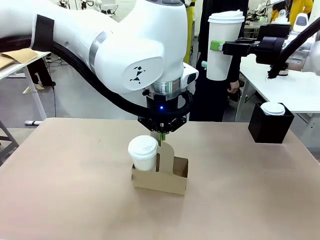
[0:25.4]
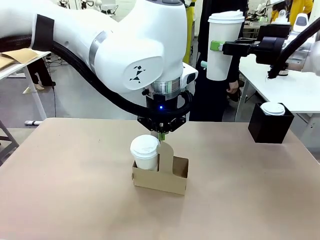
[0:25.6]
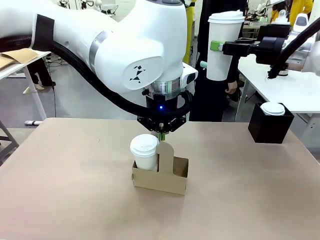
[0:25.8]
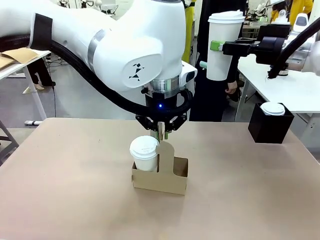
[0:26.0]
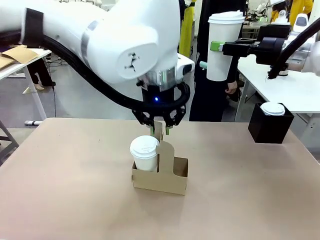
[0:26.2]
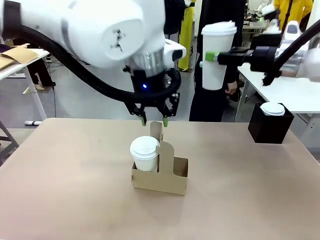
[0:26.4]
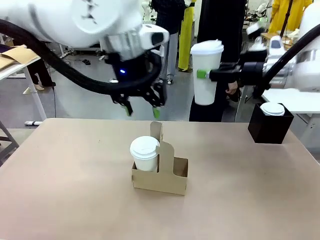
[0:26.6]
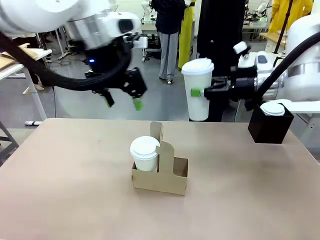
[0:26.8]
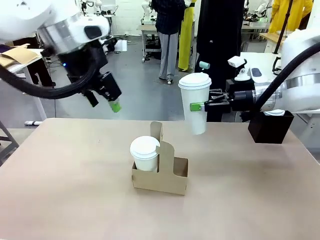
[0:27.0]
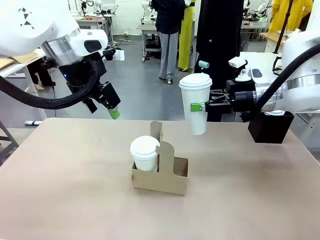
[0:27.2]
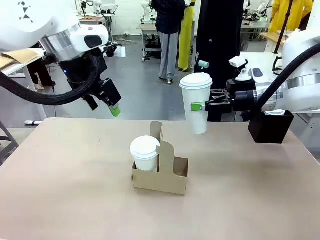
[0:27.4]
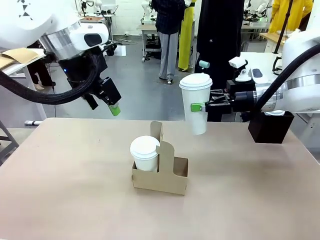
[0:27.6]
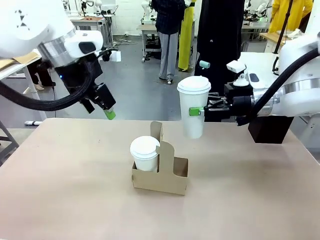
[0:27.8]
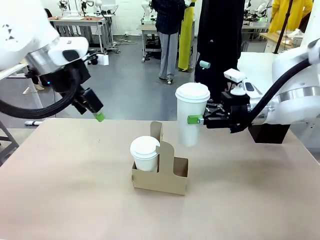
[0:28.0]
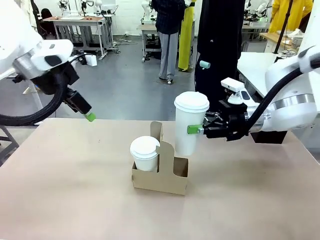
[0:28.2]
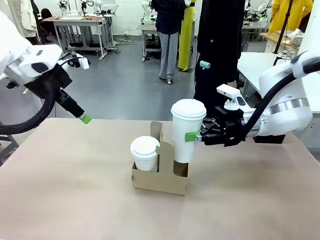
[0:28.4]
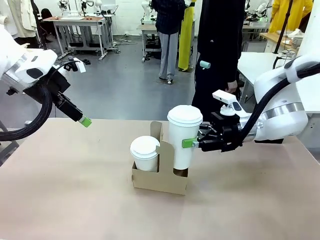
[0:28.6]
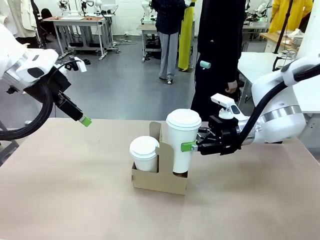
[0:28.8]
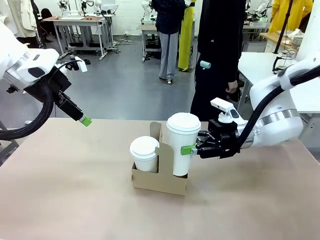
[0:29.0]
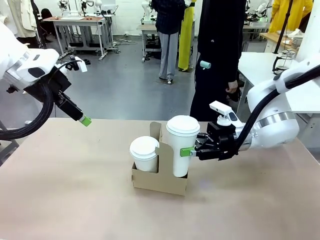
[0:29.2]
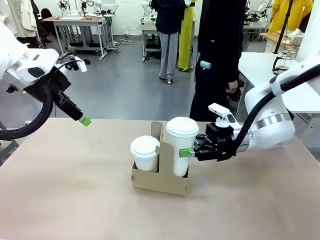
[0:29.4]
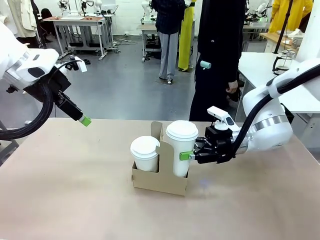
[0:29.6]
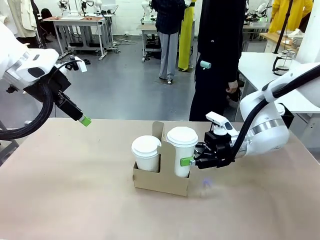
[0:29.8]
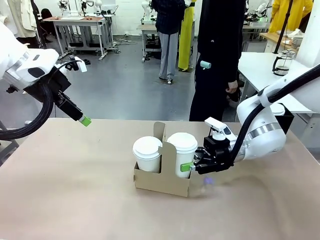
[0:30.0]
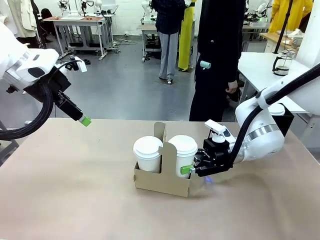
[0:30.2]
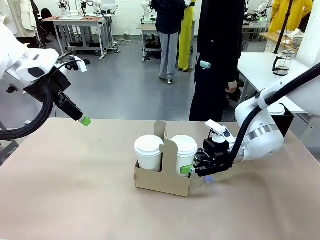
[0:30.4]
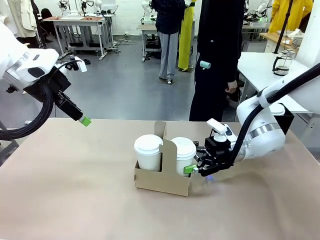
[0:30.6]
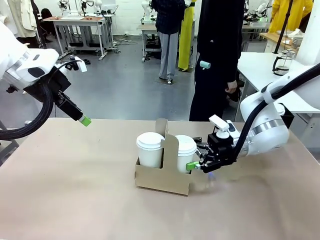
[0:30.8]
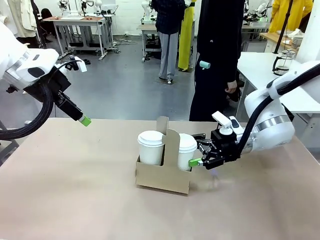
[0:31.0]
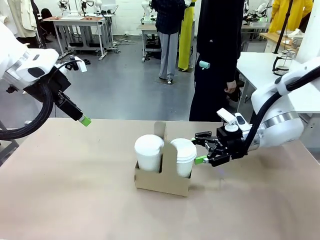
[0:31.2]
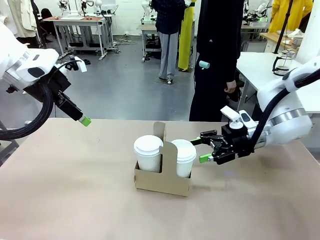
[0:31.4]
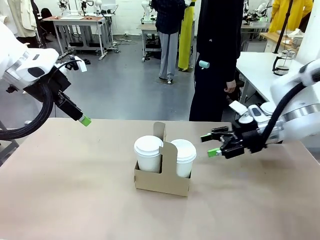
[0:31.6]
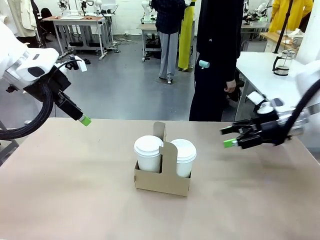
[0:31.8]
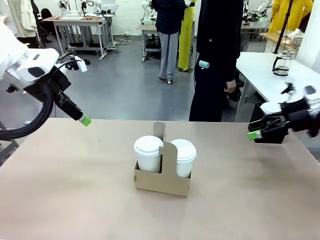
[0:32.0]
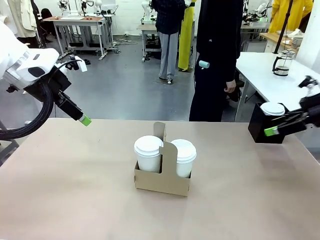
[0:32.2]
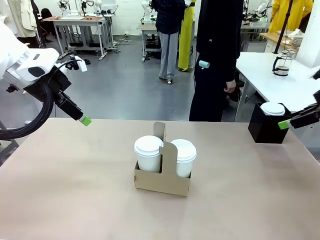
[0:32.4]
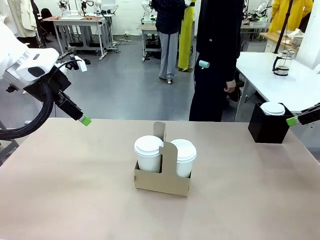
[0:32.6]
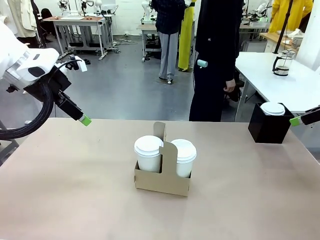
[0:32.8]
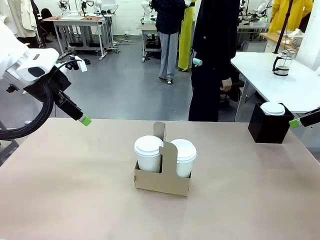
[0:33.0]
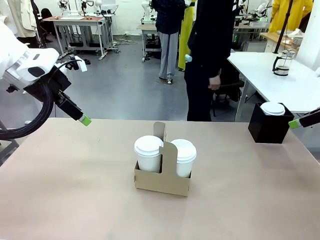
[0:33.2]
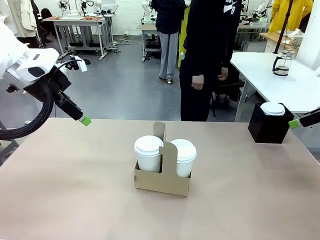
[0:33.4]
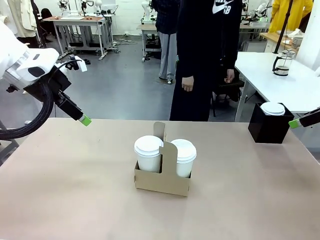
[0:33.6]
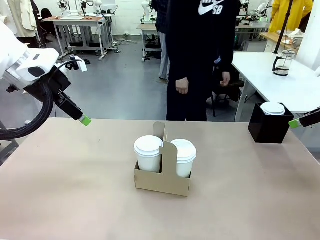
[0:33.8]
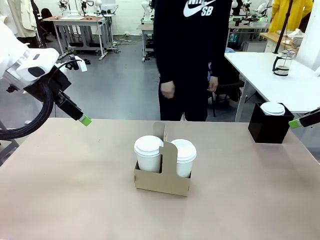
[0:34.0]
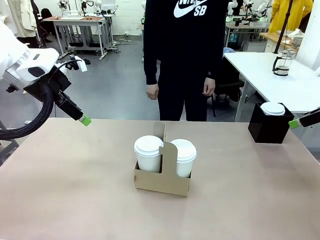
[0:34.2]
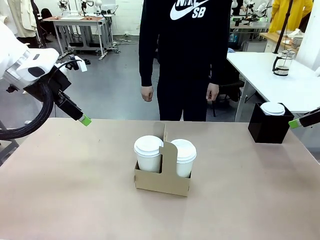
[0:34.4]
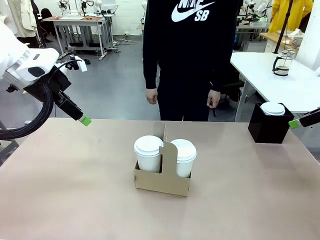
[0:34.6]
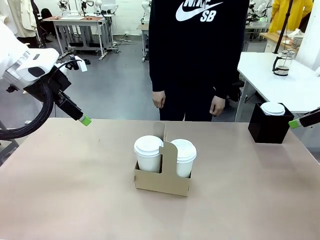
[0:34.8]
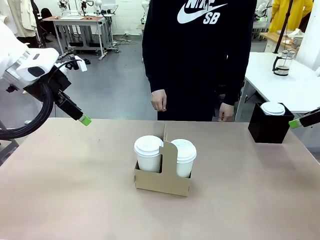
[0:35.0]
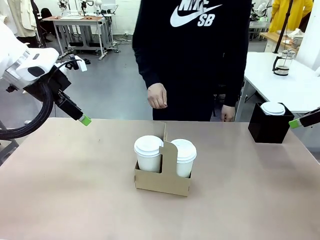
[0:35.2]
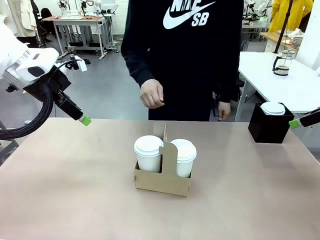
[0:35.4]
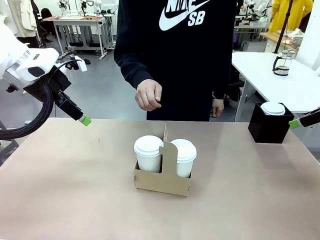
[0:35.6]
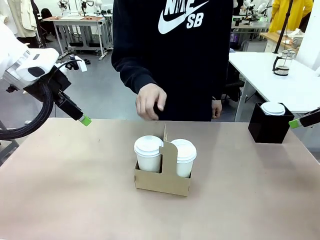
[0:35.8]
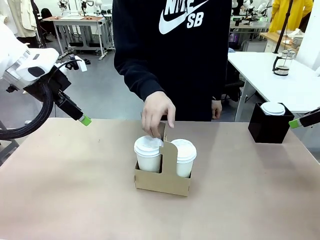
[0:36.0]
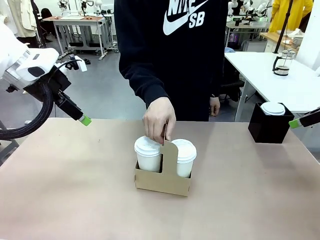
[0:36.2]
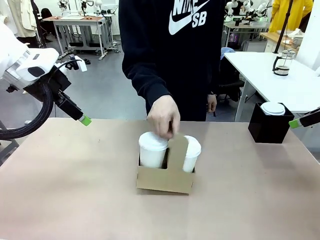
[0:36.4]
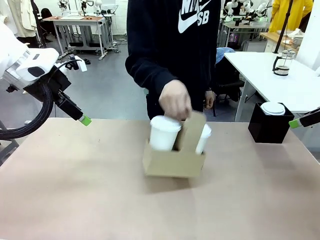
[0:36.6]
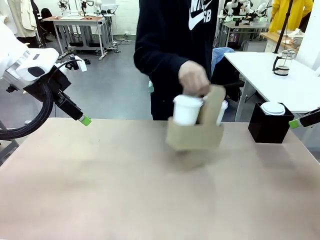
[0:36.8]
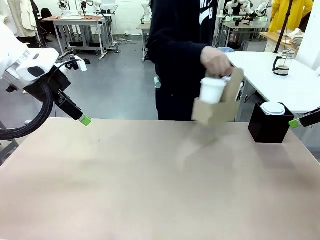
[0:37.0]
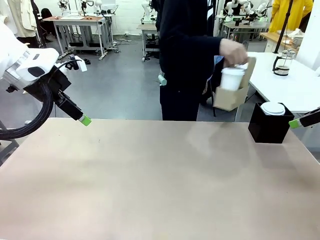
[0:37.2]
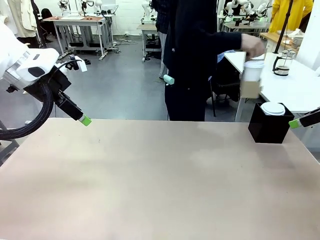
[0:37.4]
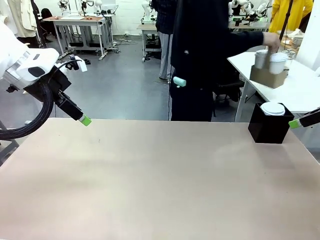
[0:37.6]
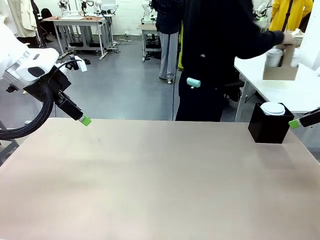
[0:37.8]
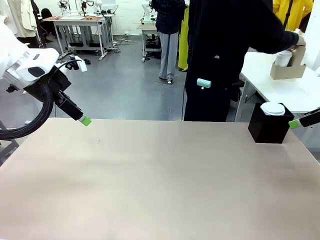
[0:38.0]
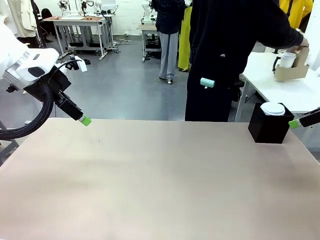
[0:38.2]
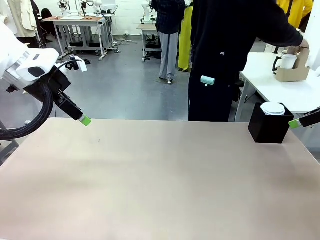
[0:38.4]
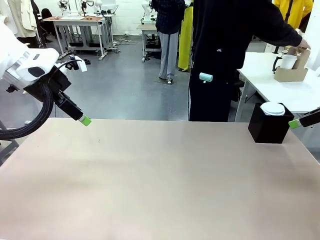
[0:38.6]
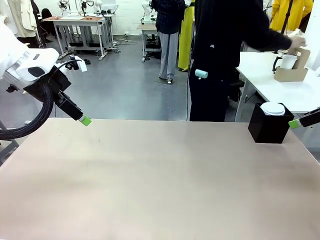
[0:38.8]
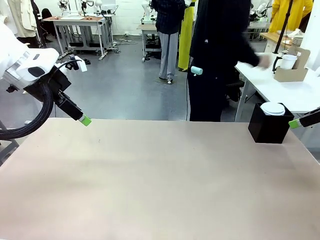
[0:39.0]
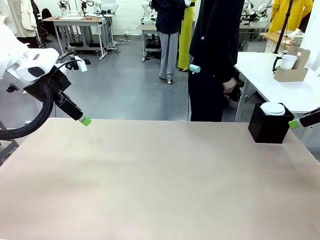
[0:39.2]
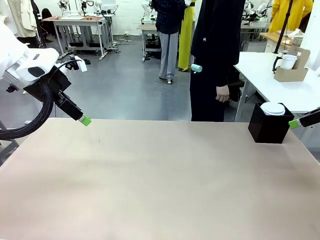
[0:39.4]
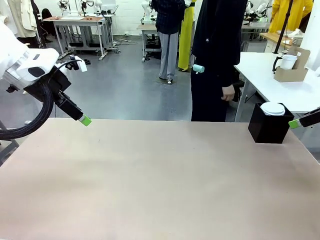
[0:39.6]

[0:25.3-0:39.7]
Task: Pour a drink into a cup and package it in a carrier.
Robot: Insert the held 600 ml Paper Cup into the Cup Carrier.
Person: Pick up the Filter Brewing and place on the middle of Human table, and return to the Robot table. Place the Cup Carrier to the middle of Human table.
